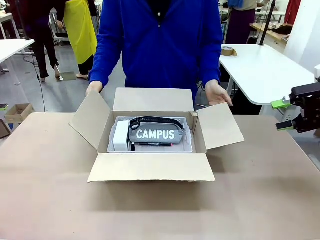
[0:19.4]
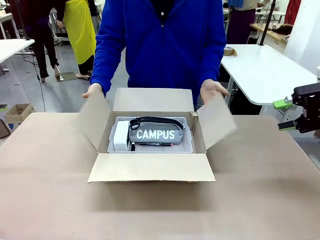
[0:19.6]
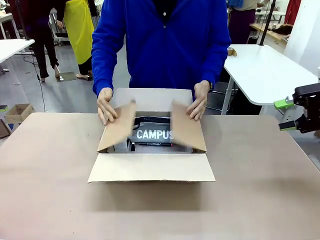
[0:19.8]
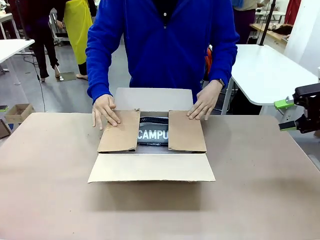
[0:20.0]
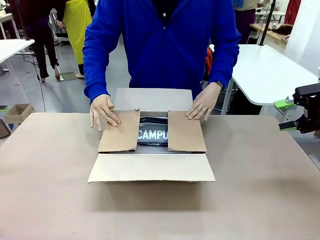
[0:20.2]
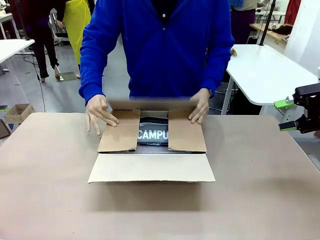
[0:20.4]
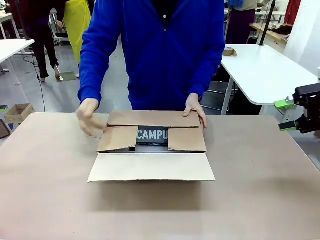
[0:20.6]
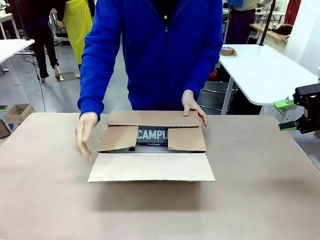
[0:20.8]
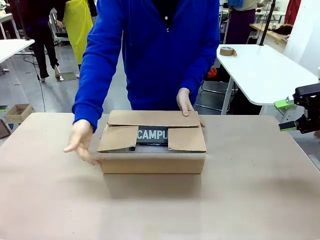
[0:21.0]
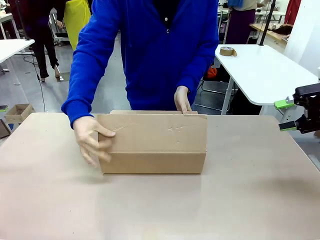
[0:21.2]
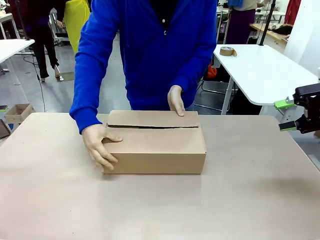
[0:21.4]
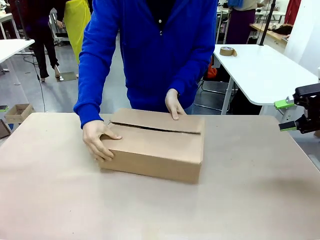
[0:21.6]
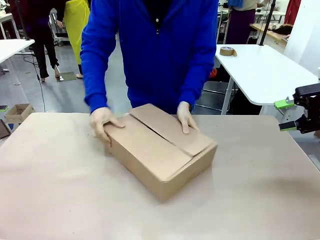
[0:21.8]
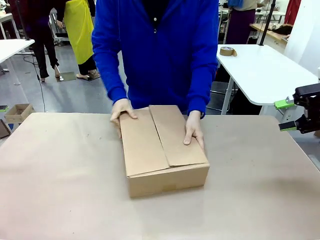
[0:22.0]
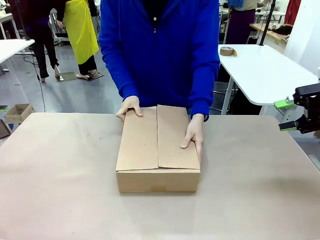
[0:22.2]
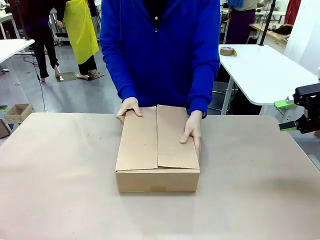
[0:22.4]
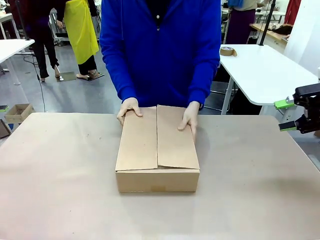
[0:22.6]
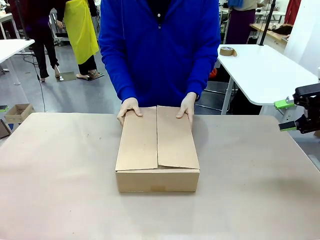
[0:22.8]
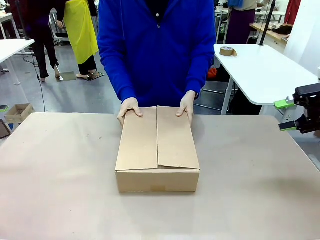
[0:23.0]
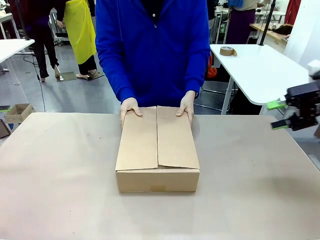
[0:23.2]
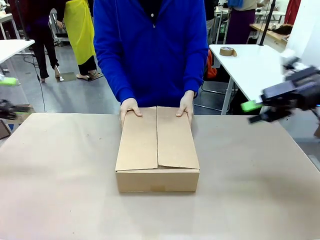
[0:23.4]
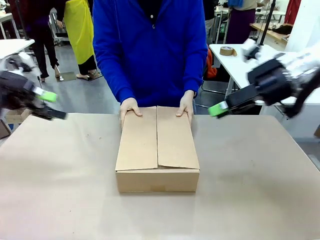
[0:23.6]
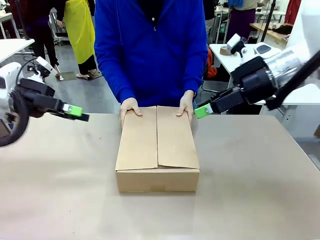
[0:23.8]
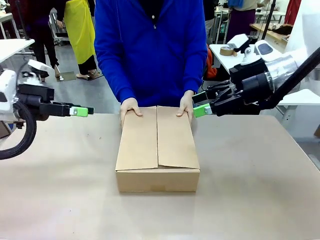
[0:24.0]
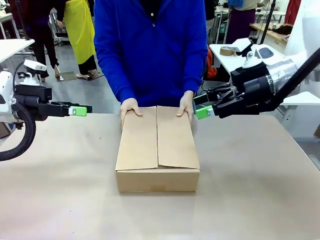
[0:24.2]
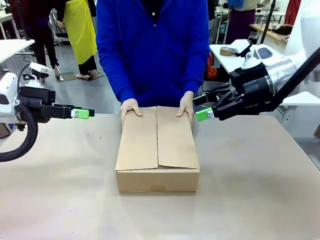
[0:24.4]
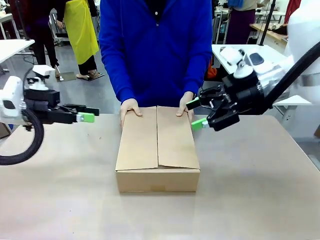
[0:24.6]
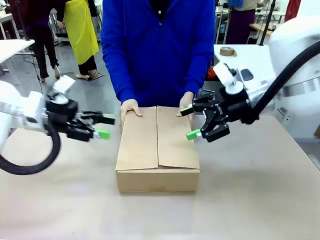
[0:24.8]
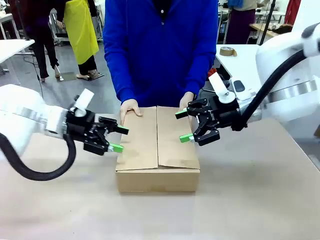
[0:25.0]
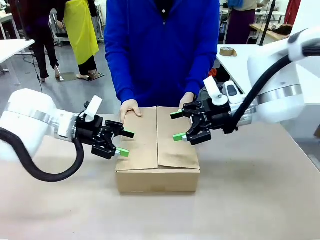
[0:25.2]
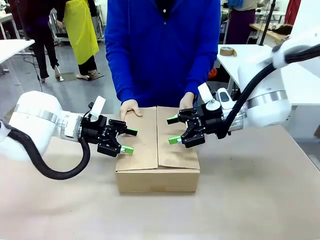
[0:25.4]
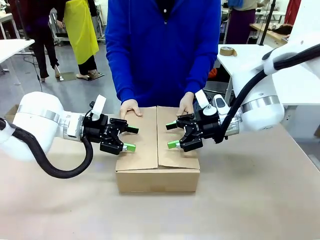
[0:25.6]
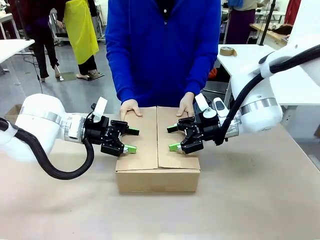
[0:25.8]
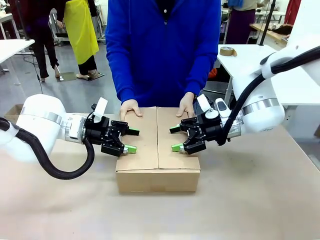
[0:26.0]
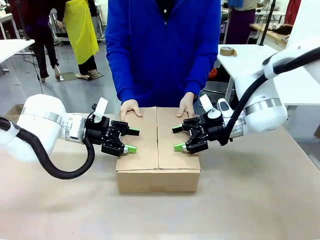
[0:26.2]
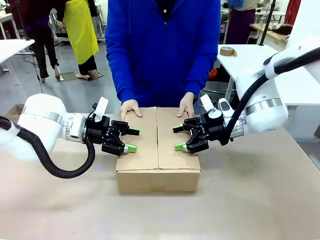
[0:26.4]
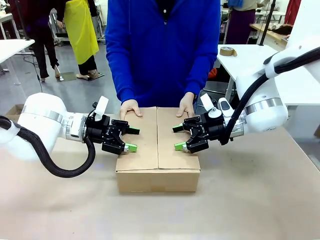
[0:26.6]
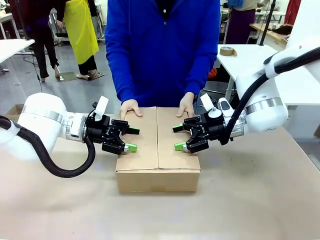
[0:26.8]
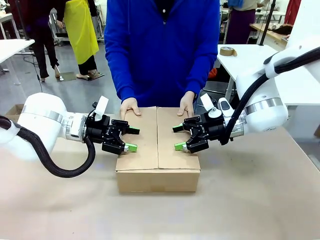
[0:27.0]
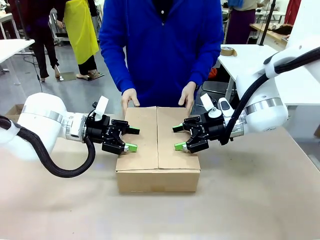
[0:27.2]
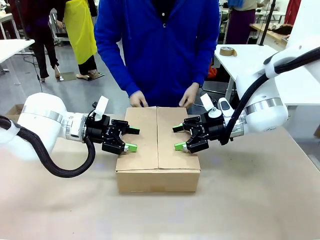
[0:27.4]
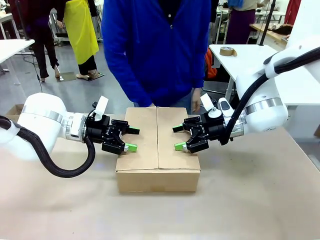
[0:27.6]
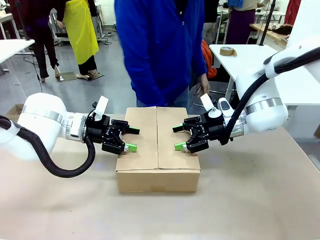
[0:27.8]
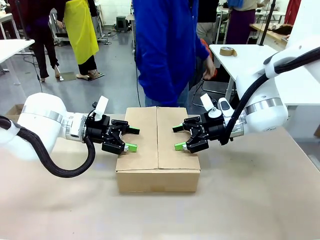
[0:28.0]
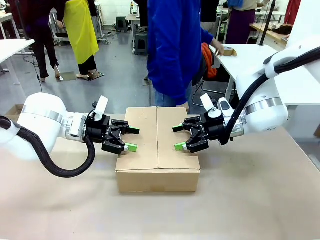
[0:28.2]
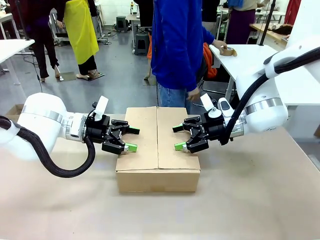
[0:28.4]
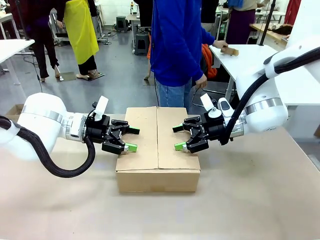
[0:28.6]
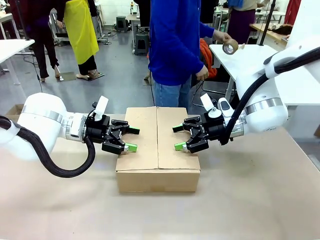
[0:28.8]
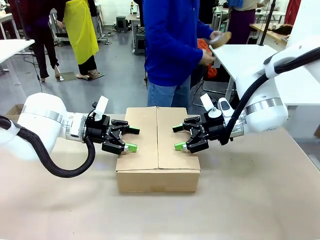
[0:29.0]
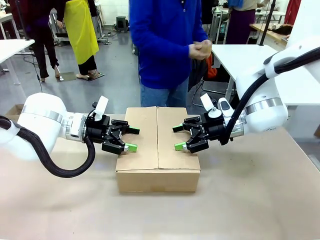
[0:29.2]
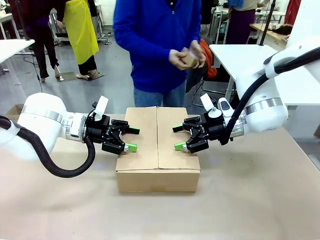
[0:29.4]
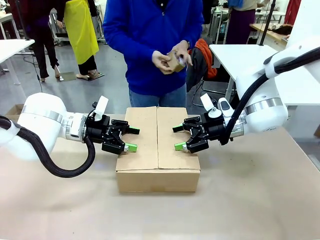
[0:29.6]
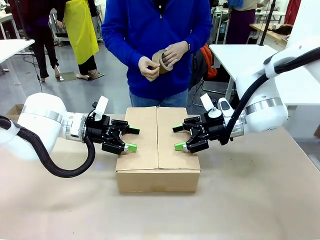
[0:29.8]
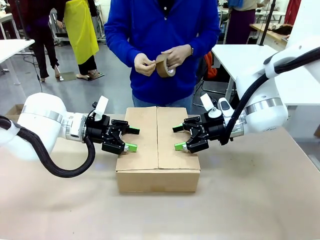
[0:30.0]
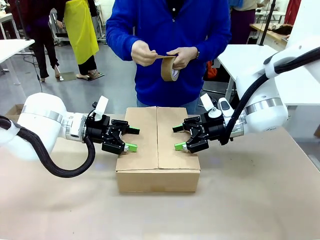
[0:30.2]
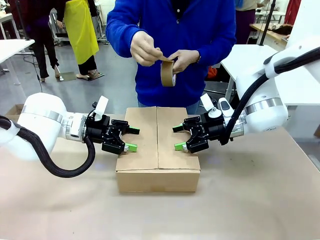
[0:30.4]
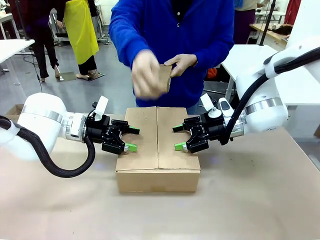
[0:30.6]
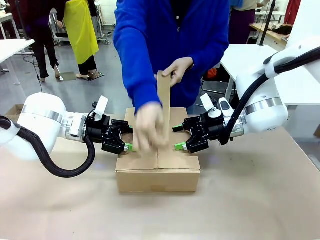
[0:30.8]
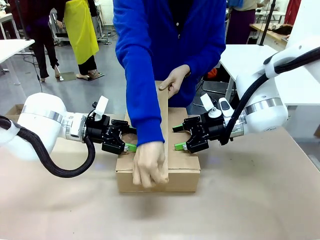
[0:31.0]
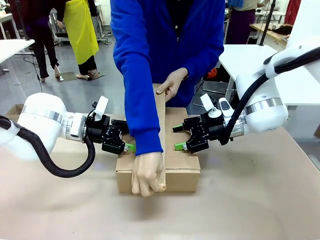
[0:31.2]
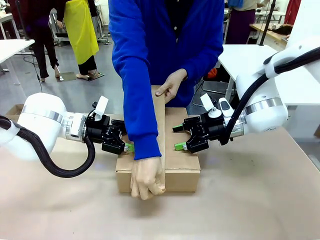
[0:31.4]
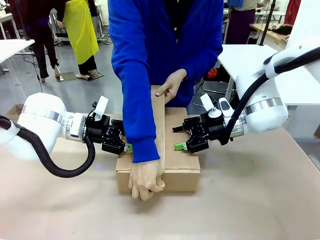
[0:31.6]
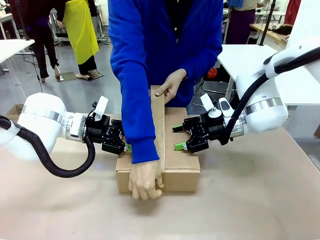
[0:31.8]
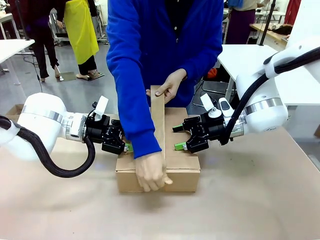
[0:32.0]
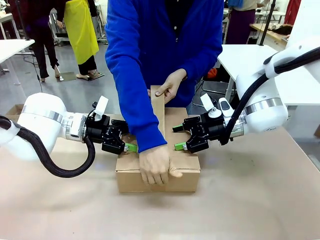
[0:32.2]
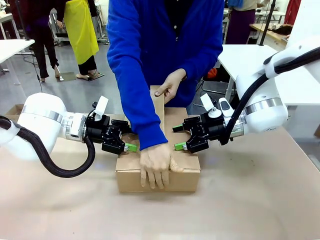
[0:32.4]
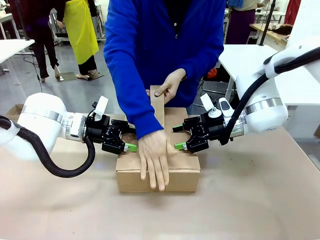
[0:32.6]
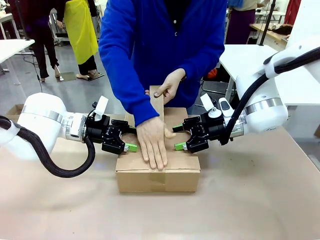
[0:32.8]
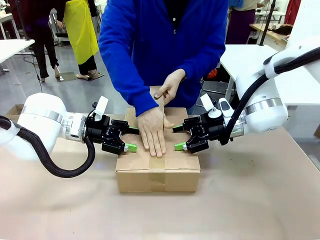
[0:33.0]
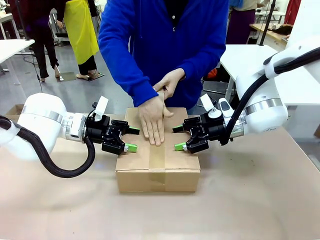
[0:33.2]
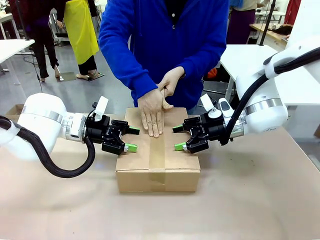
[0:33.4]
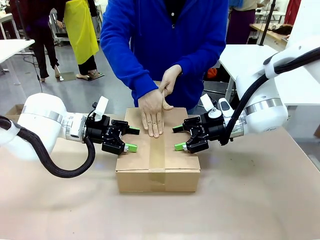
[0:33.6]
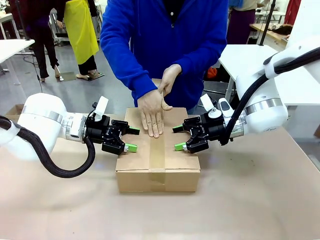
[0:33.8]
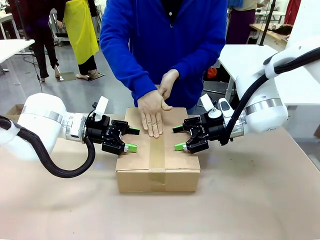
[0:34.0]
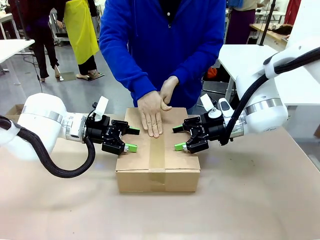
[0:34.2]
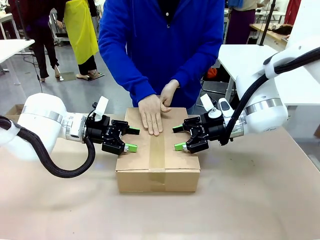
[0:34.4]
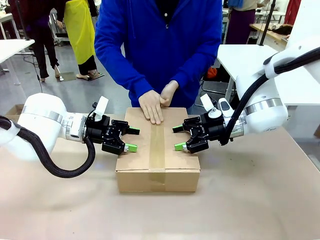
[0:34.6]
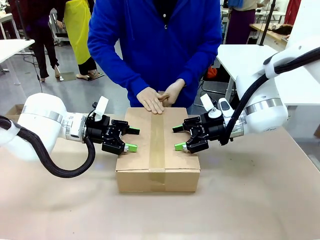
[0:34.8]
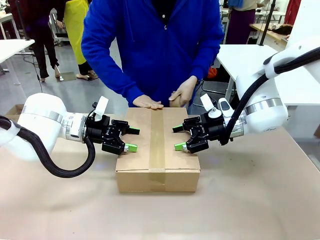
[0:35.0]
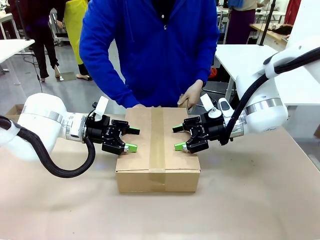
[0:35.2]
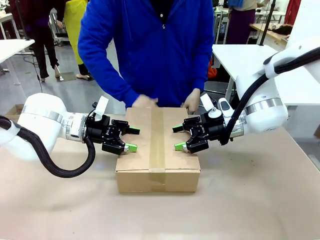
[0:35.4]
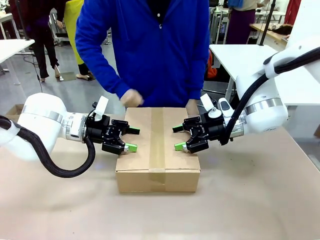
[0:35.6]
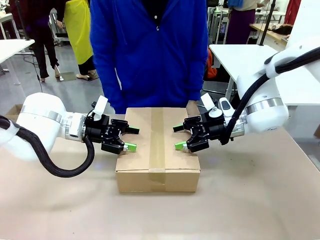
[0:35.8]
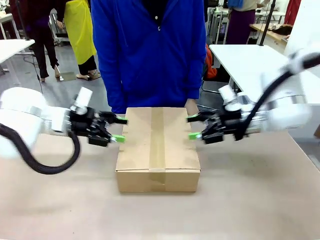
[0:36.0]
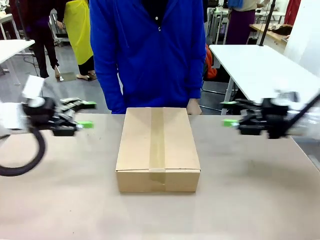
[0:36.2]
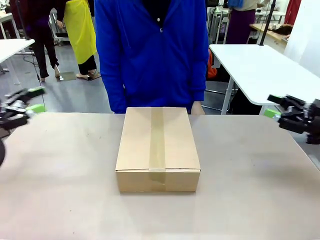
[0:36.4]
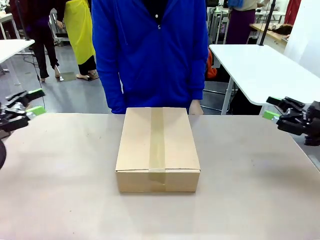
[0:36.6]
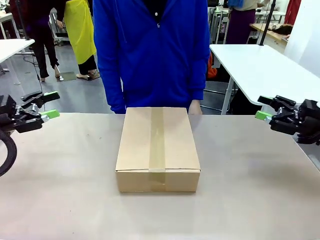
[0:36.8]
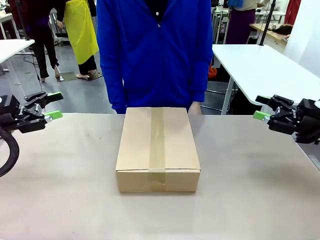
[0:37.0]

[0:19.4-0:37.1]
Task: Pack the gift set into the box.
Robot: Press and hold the closed box until the human finishes sealing it.
Person: The human closes the box and rotates the box by 90 degrees. The human picks up the paper tape from the human table and packs the box.
